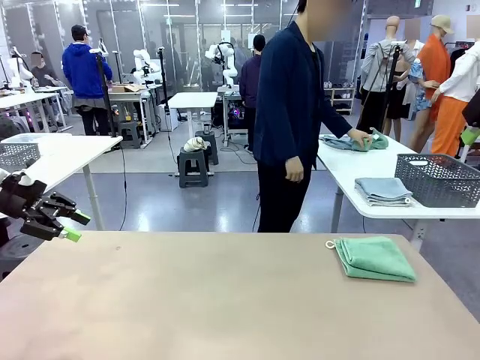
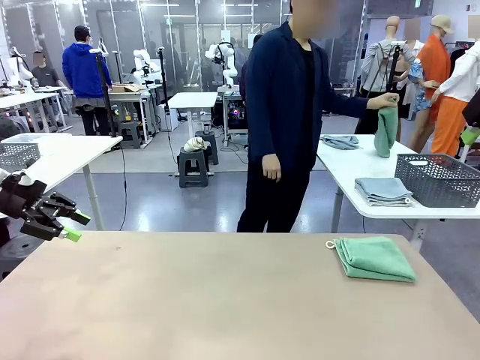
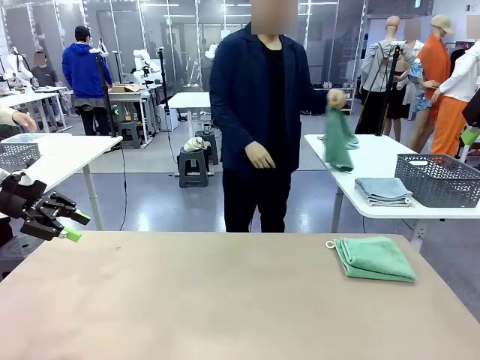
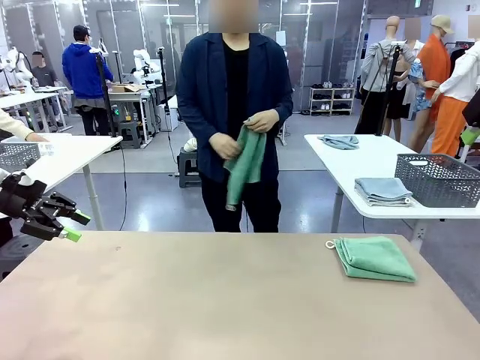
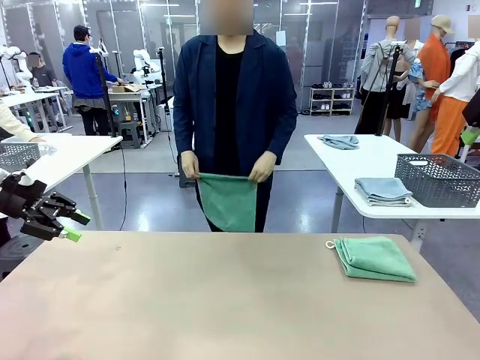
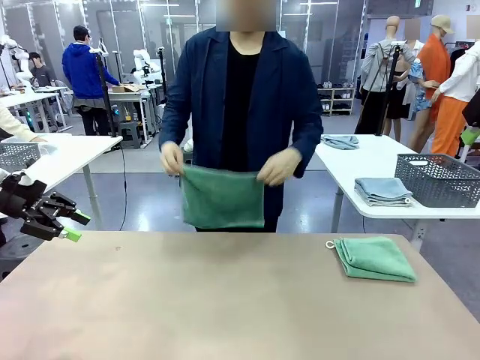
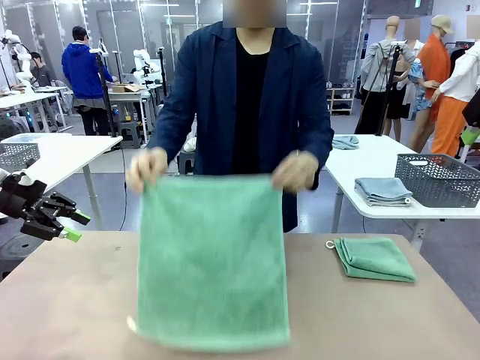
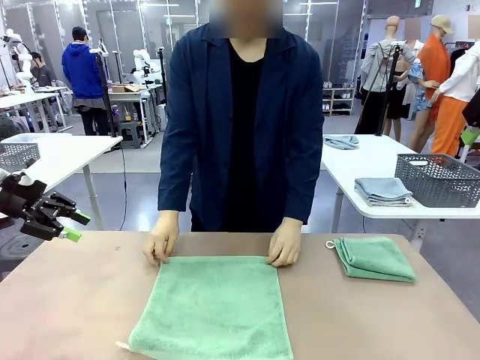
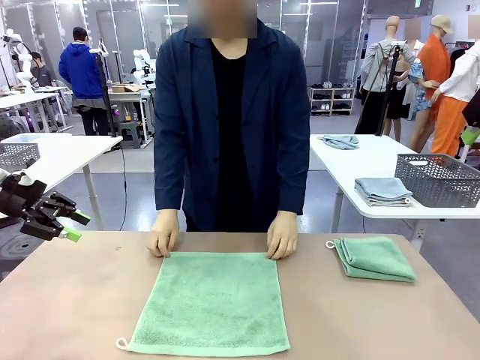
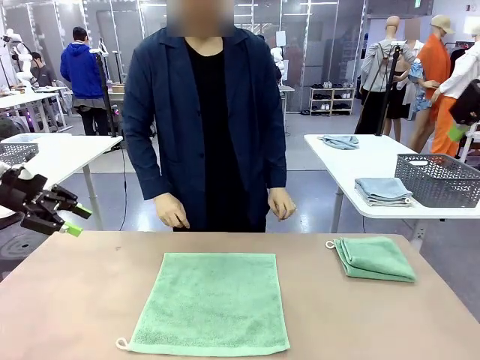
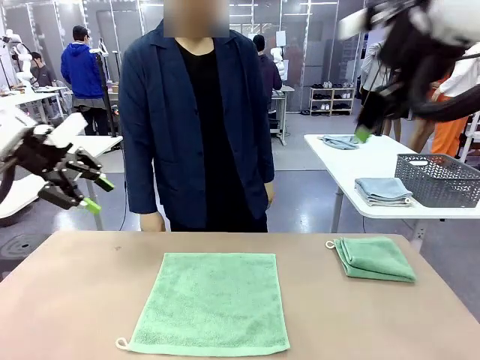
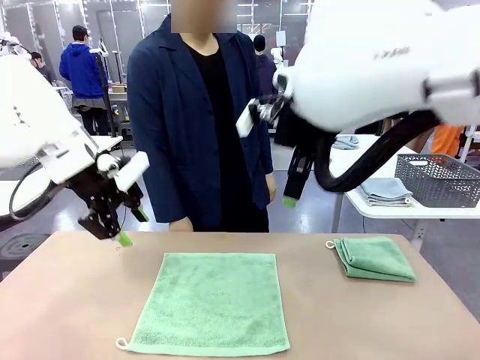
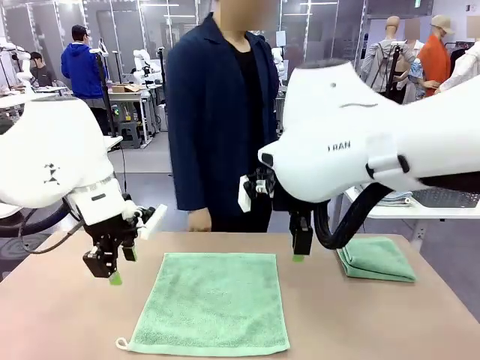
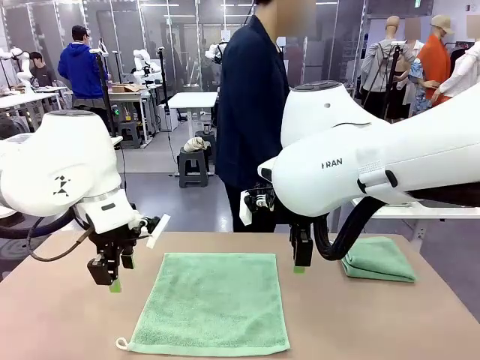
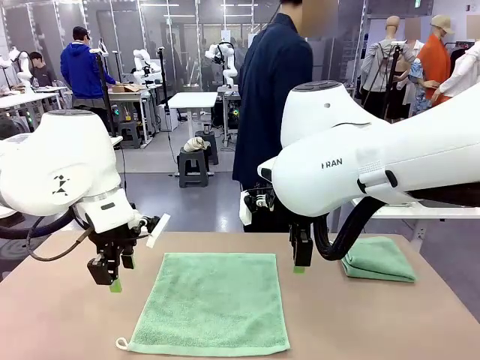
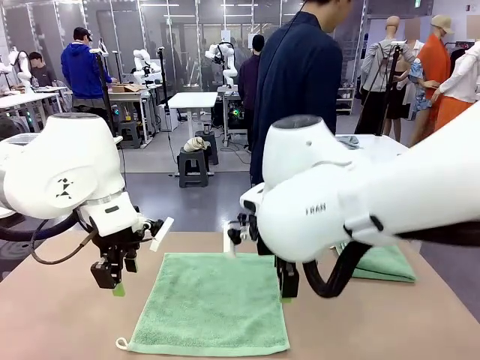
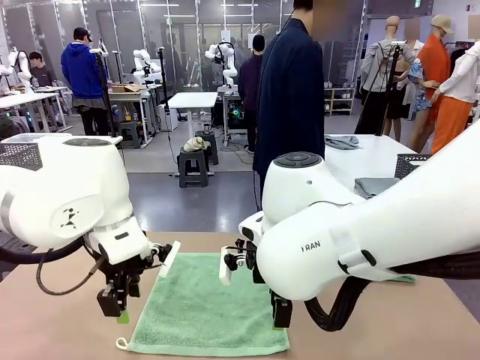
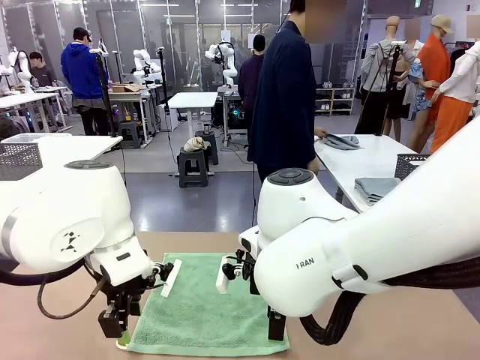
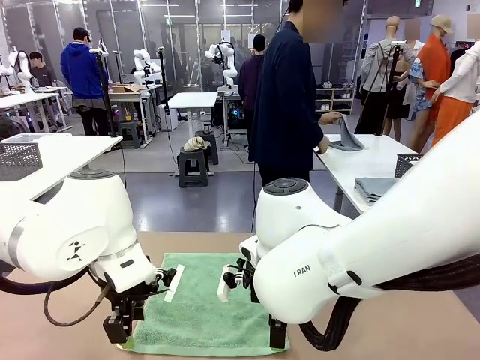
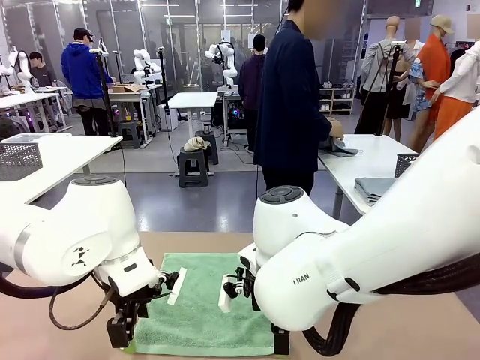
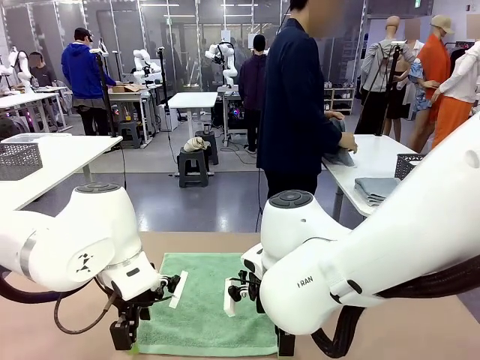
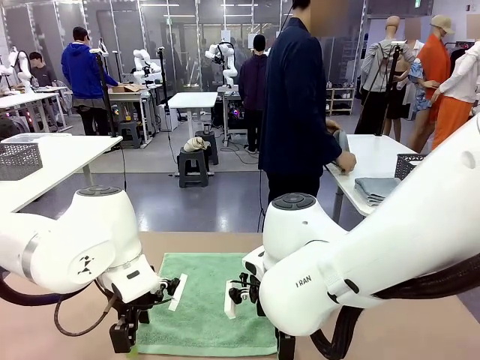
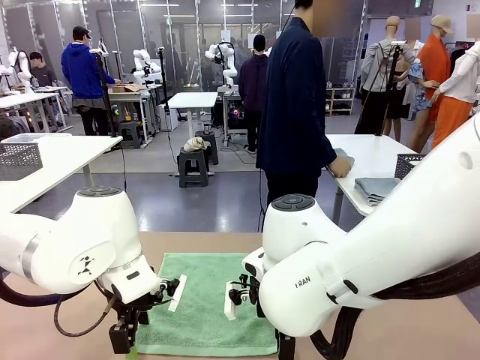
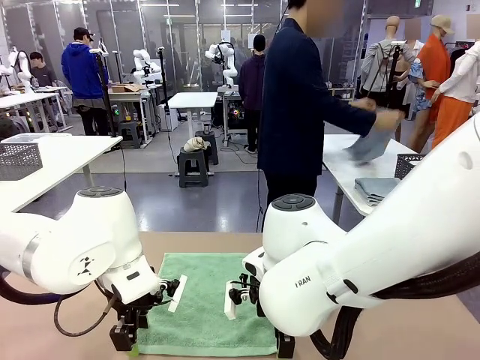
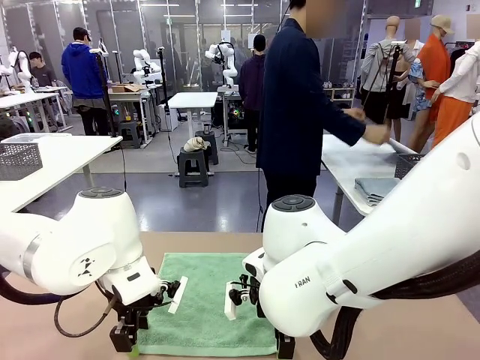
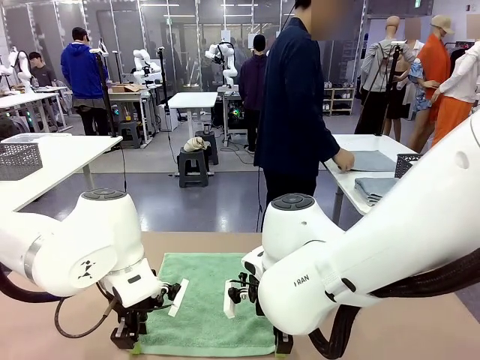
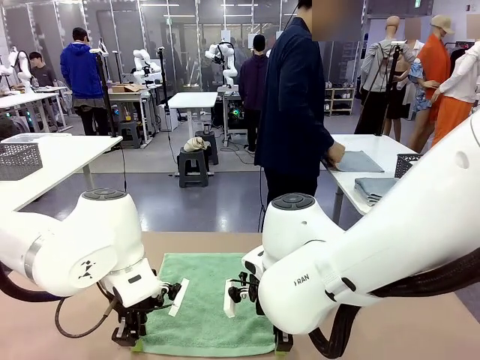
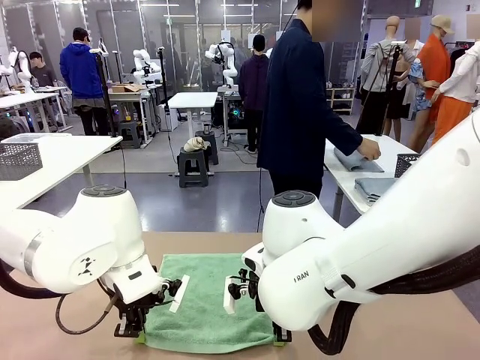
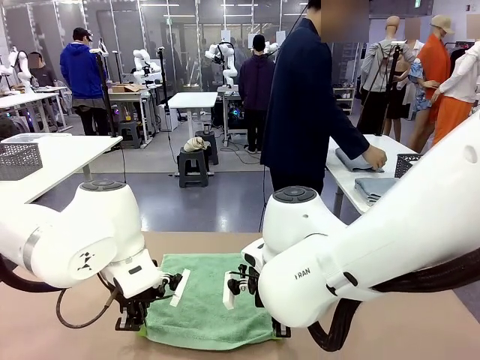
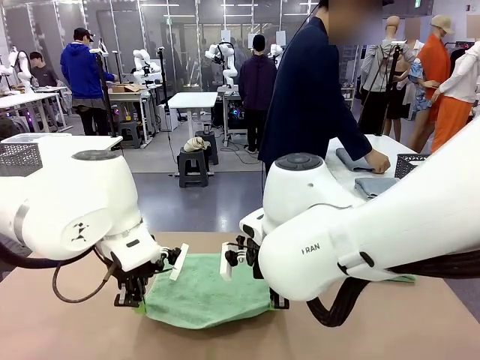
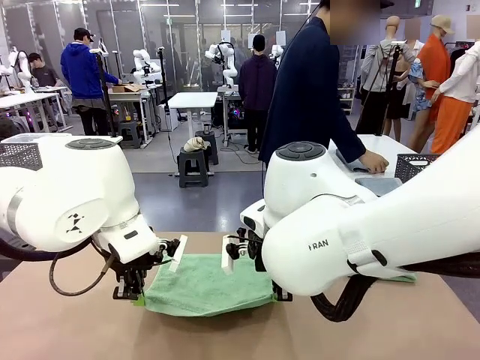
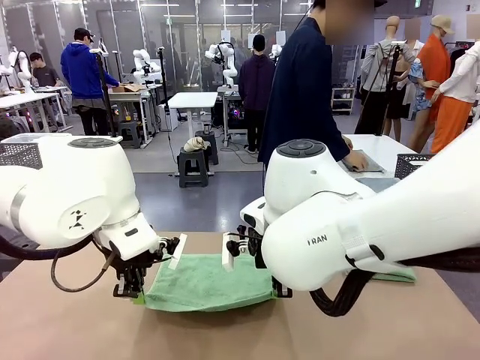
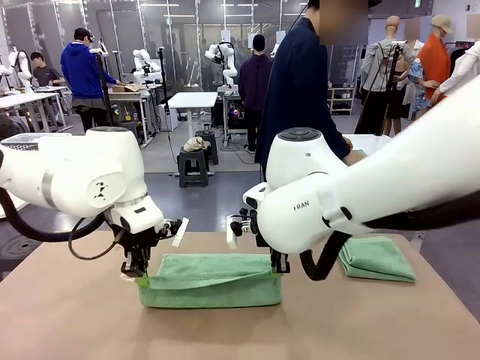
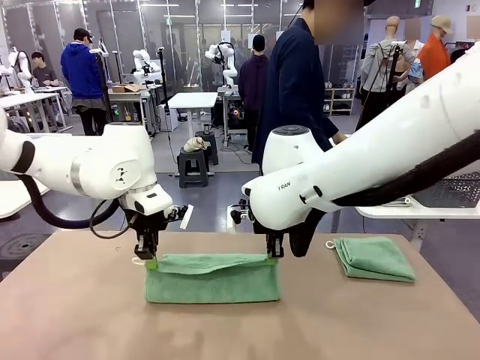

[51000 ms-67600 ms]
Task: Fold the towels and place them in the basket.
Robot: When a person lays out a Towel with hook on the table, fold it in half twice.
Person: Pick up one towel from the left side of the human table and spread it out at the center of the robot table. Pick up one towel from the left side of the human table, fold it in half twice, and stack it on the right side of the table.

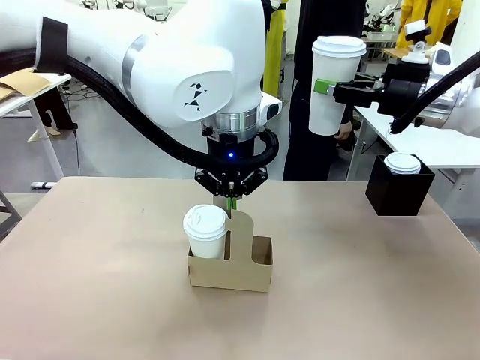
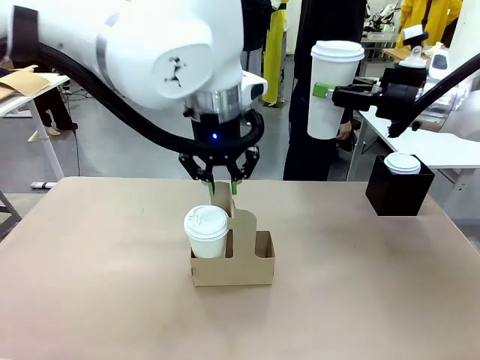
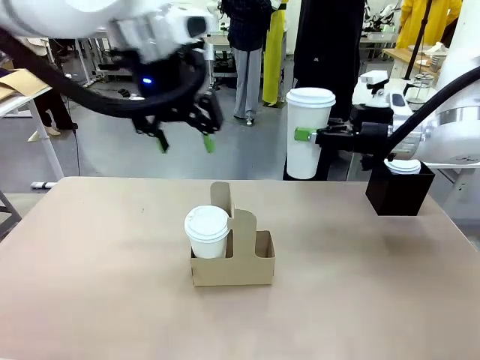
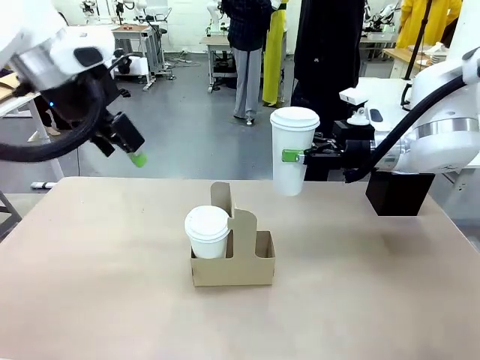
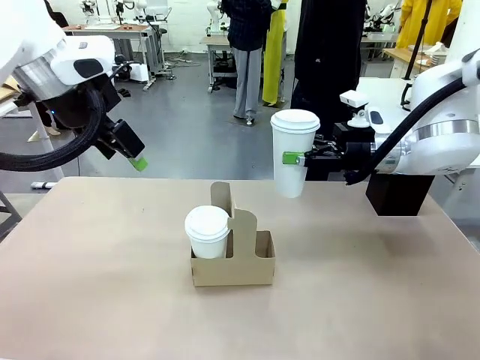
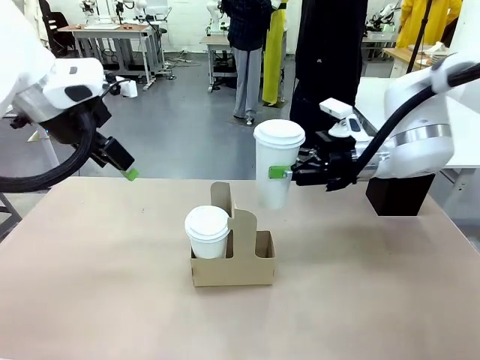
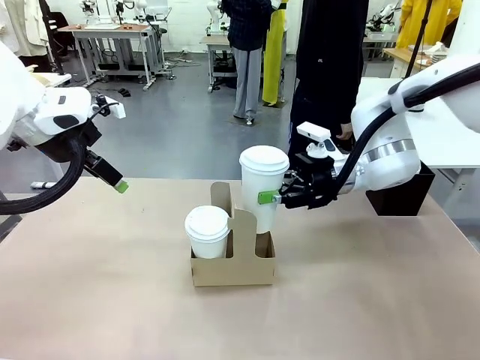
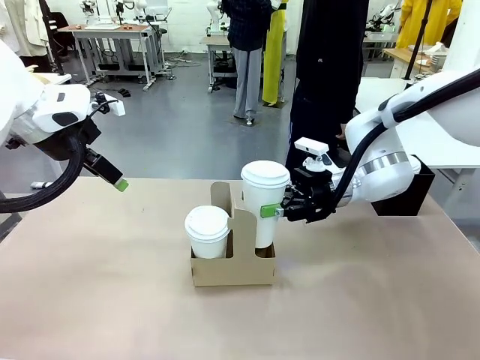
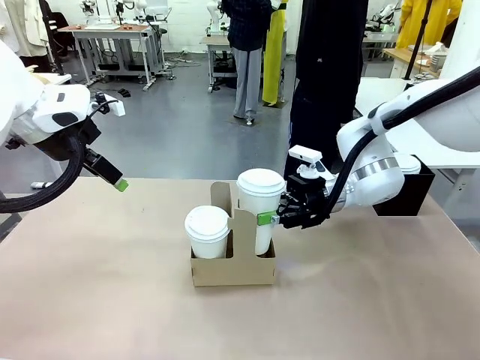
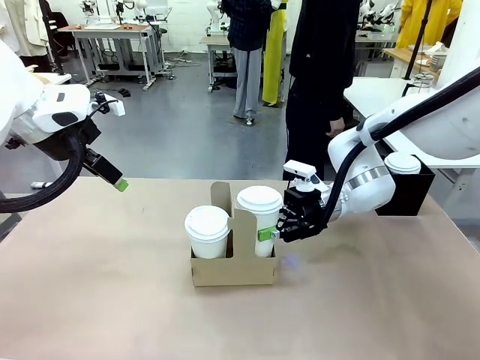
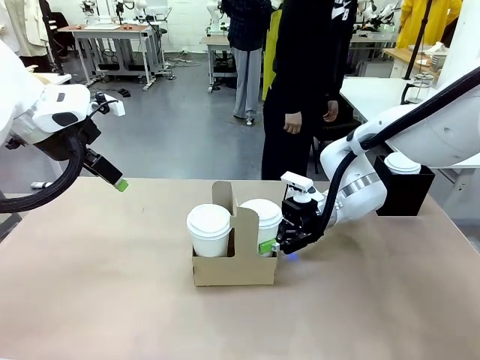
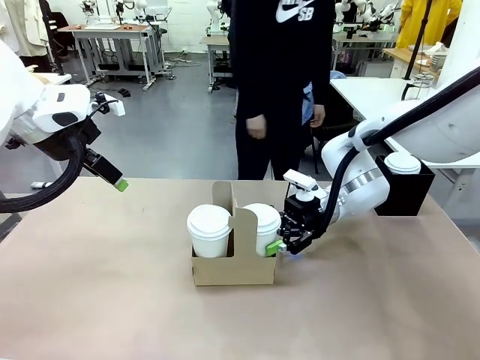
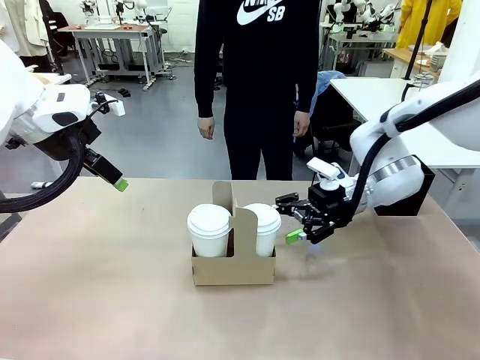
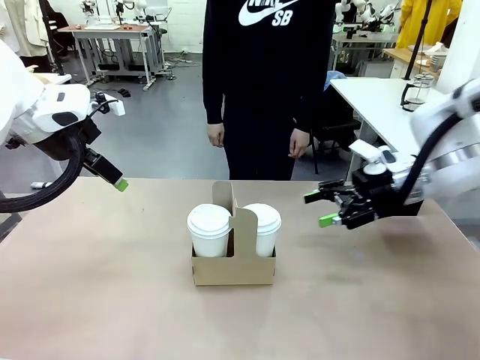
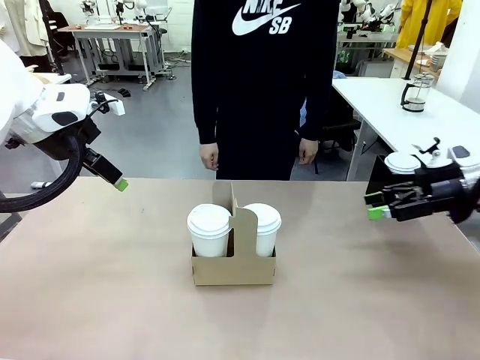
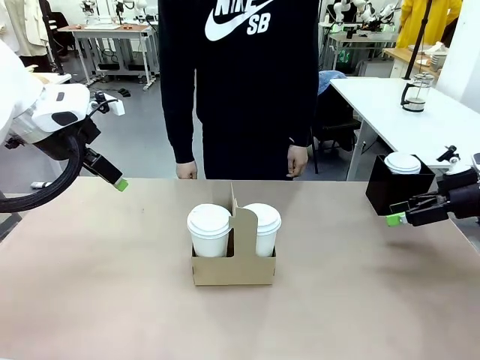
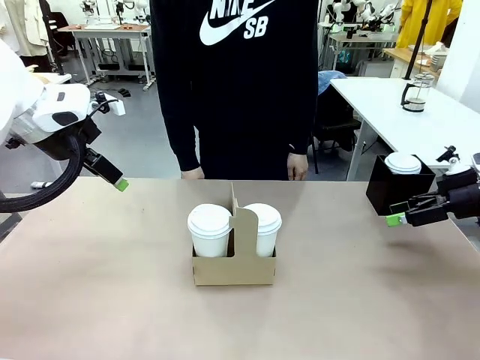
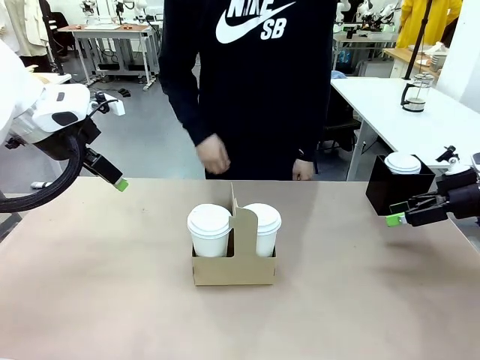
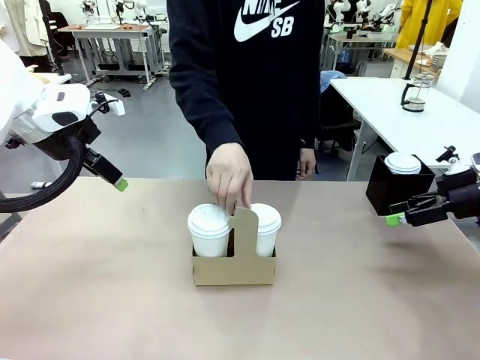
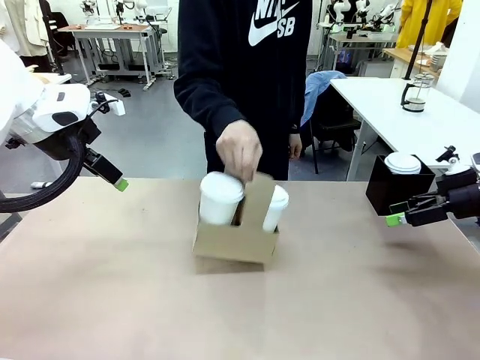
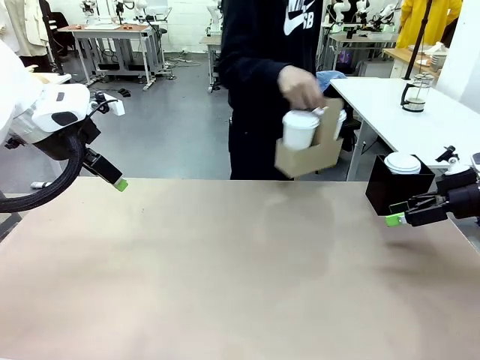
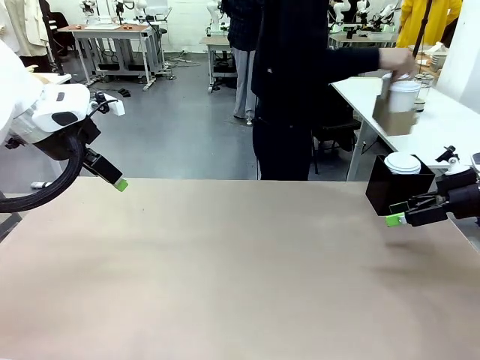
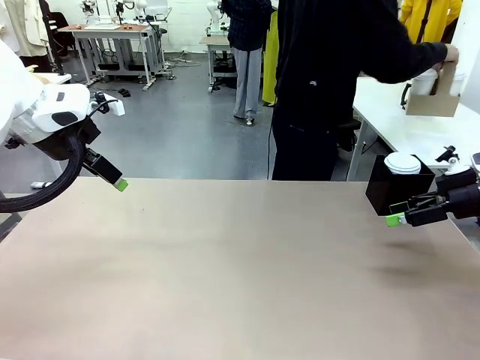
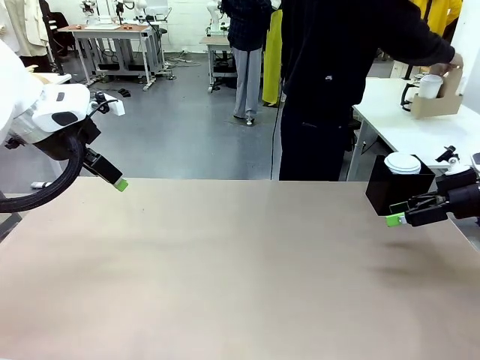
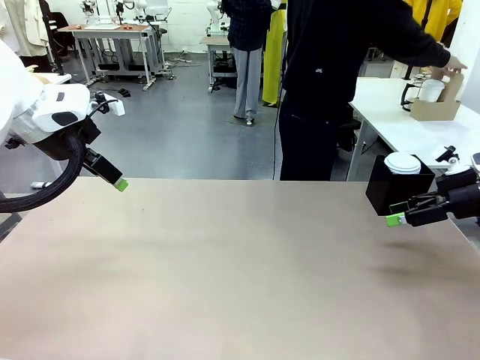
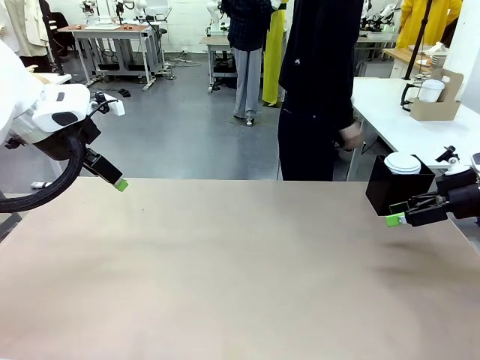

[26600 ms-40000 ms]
Task: Pour a drink into a cup and package it in a carrier.
Robot: Insert the held 600 ml Paper Cup into the Cup Carrier.
Person: Place the Cup Carrier to the middle of Human table.
